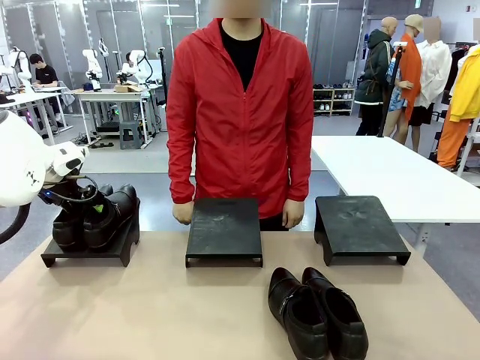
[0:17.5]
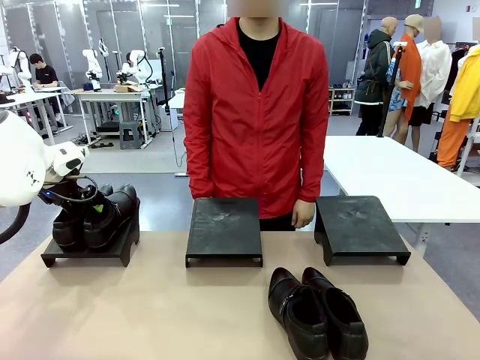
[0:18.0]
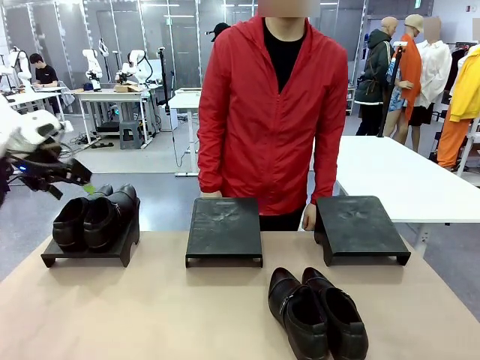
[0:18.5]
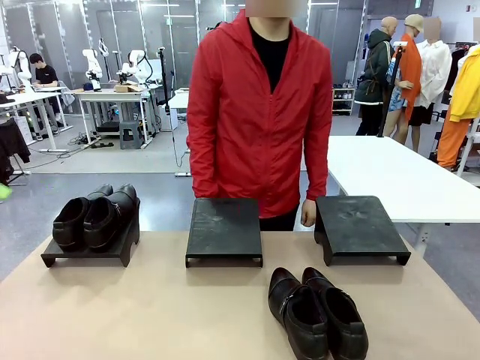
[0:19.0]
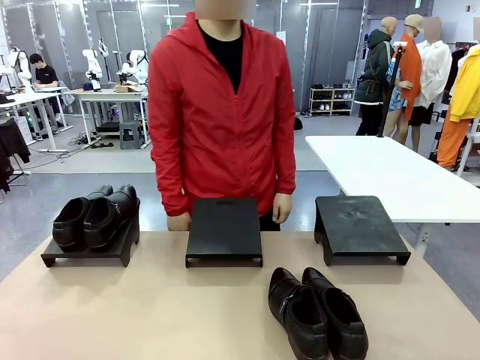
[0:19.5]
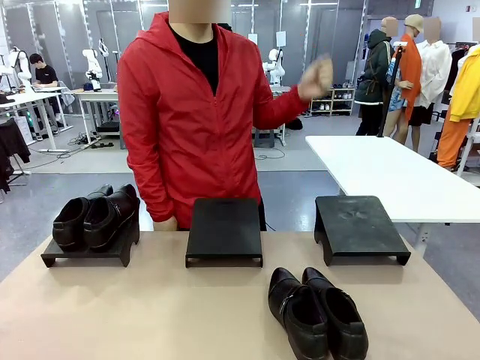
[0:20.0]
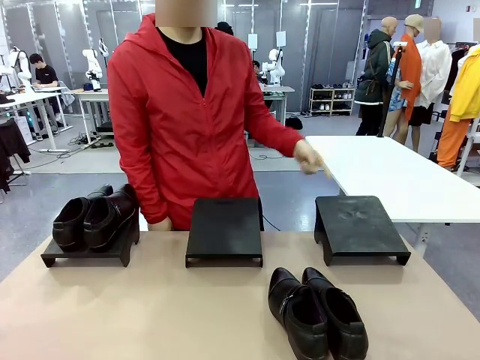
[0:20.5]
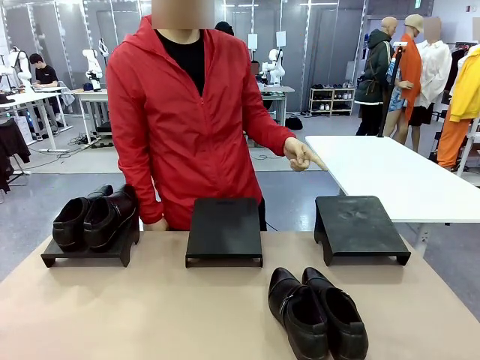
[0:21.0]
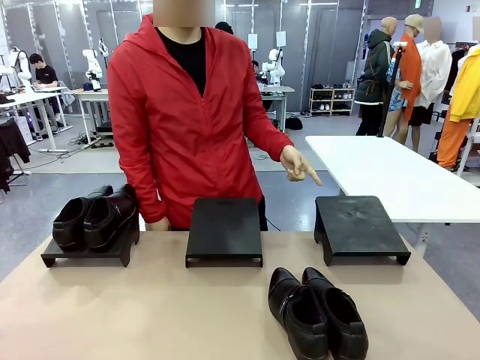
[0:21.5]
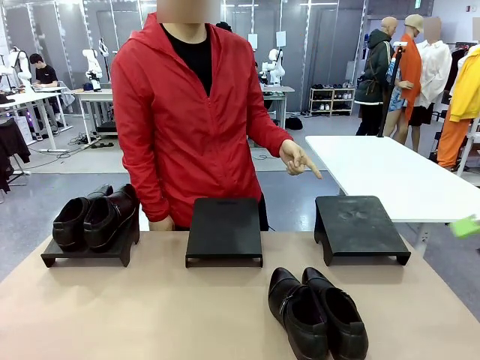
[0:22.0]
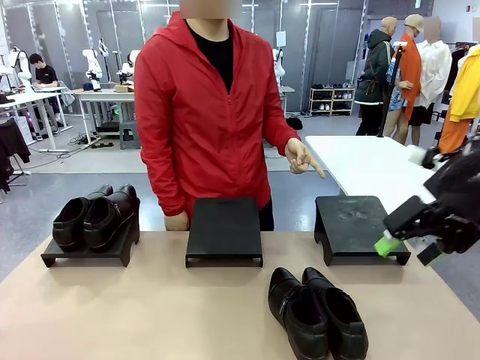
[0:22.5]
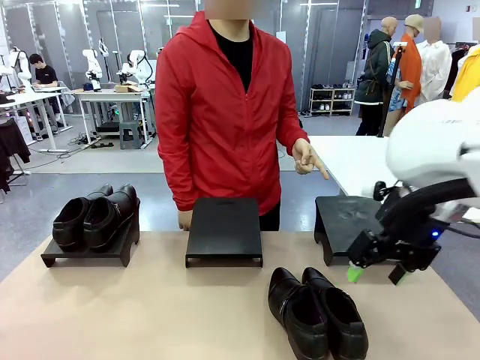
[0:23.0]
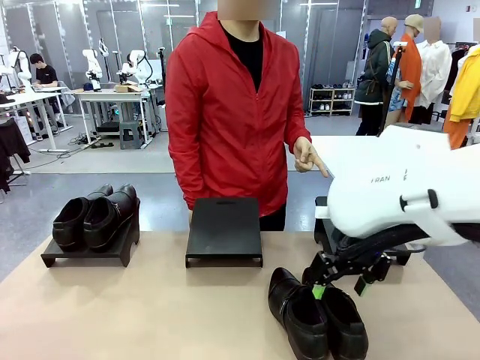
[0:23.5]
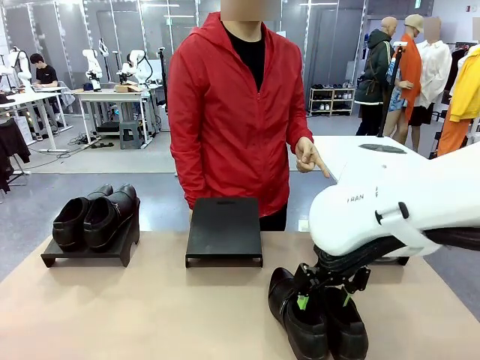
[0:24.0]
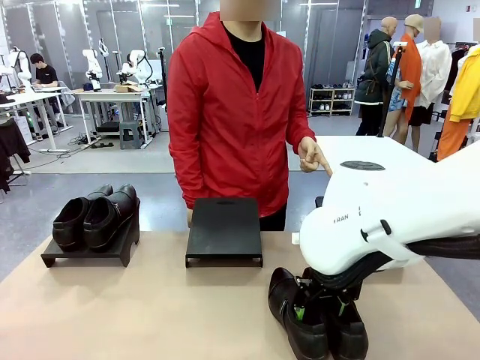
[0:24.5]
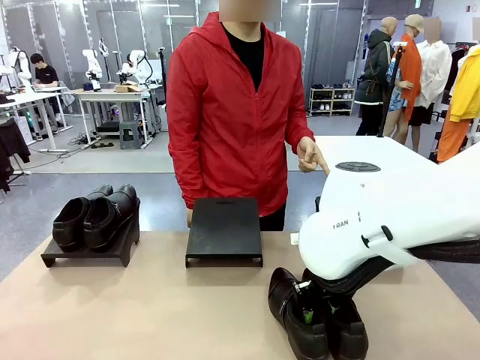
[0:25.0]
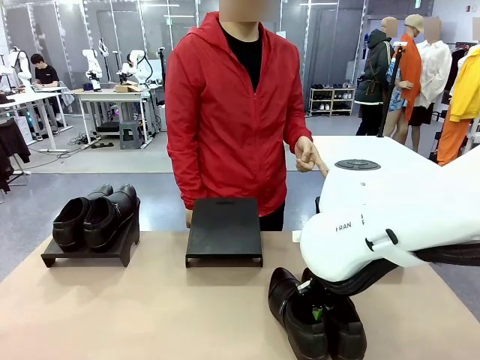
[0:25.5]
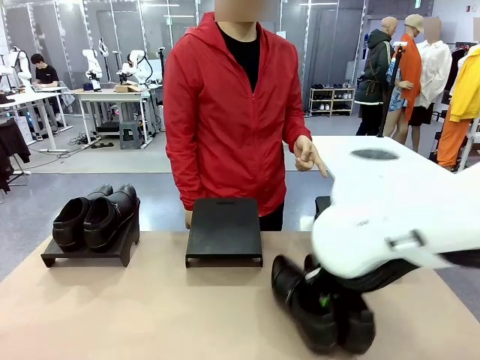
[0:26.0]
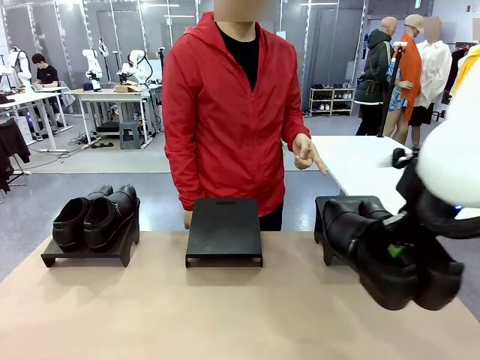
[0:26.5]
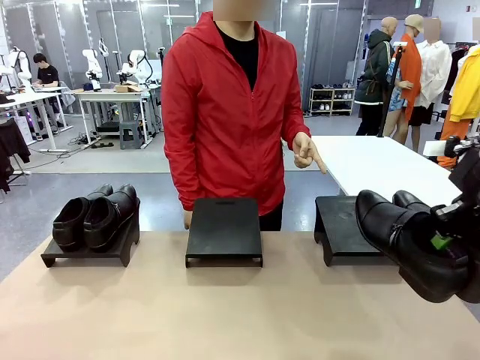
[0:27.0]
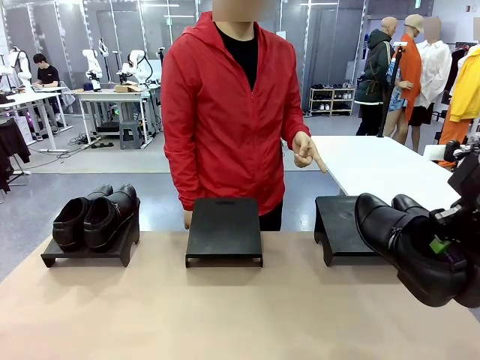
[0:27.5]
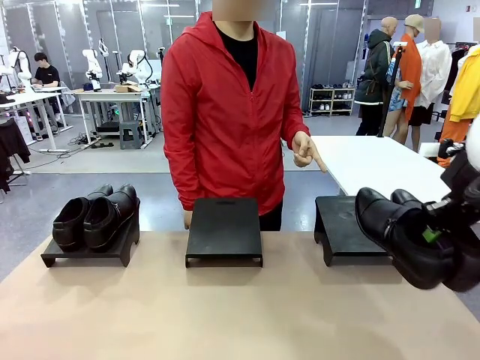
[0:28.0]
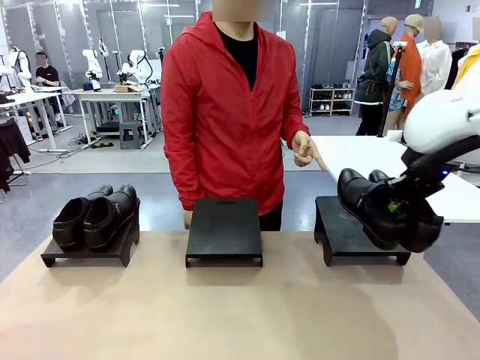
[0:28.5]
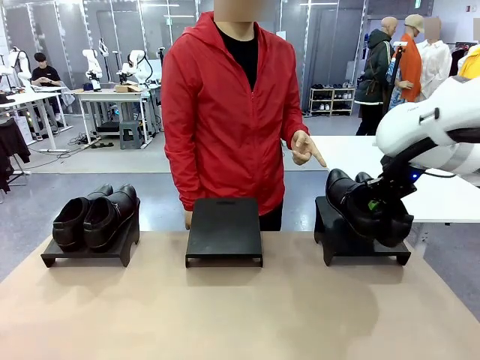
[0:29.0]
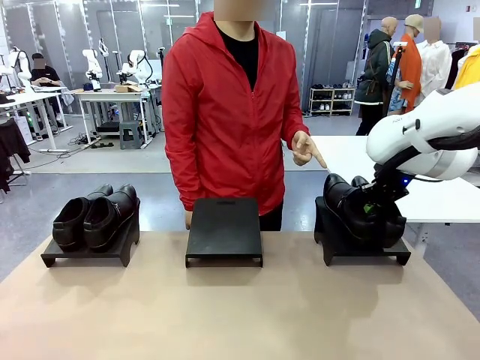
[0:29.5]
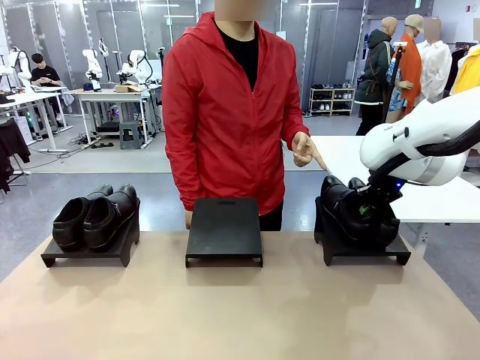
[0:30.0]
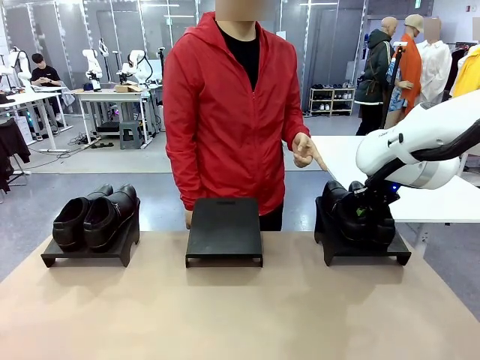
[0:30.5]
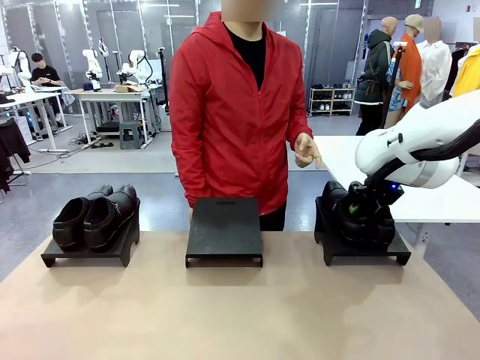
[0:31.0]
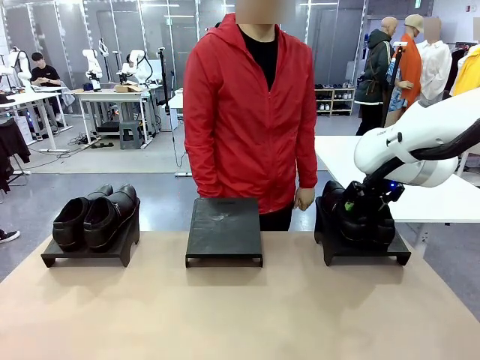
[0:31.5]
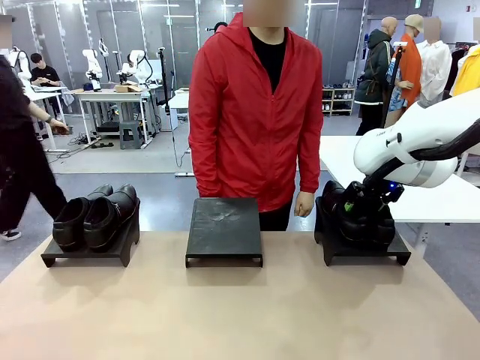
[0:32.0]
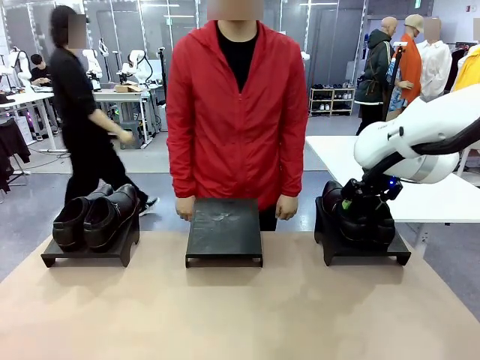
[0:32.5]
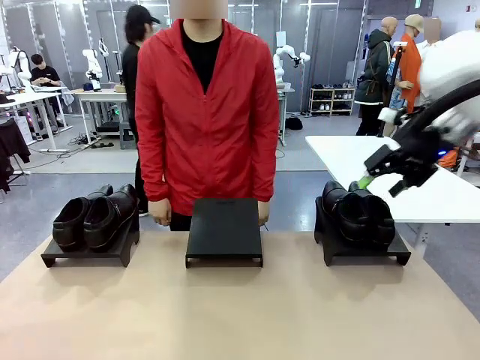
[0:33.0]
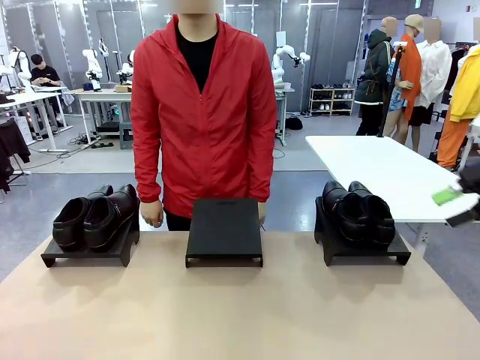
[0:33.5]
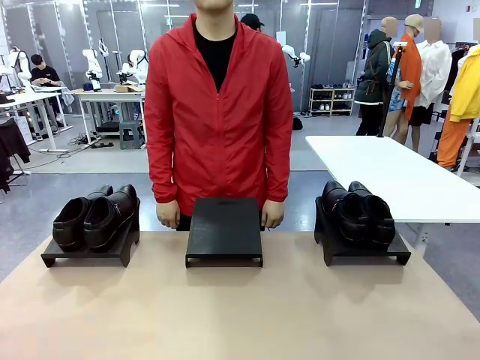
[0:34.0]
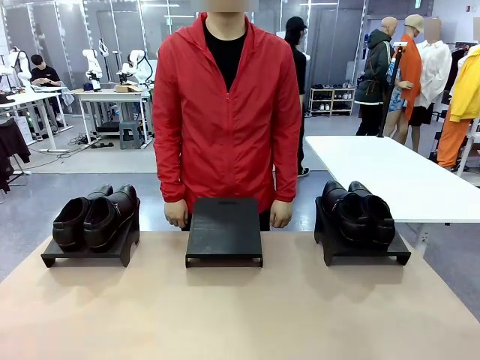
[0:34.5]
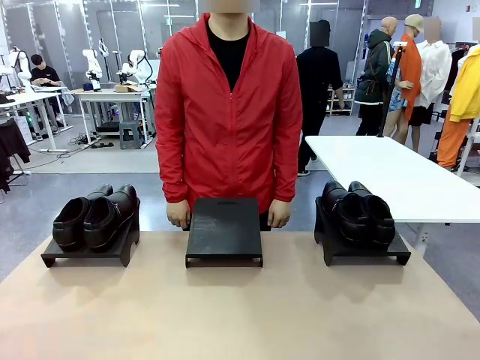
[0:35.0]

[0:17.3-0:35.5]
Task: Place the shoes on the stand as instructed by the person.
Robot: Pick up another pair of Shoes and place it on the Shoes Stand indicated by the person.
Person: Point to one Shoes Stand.

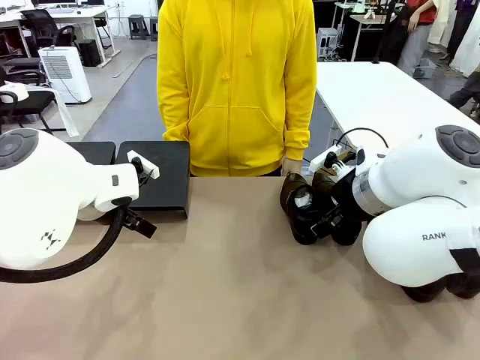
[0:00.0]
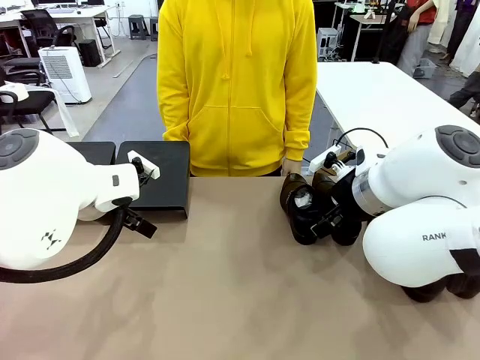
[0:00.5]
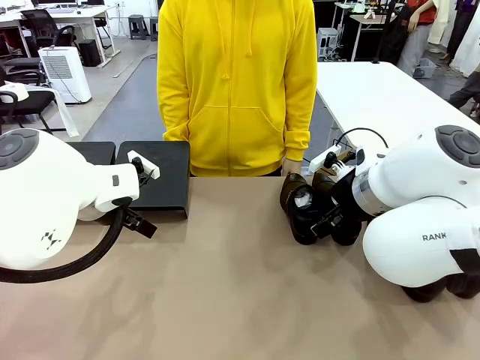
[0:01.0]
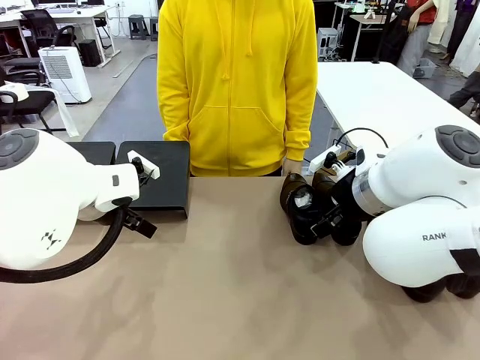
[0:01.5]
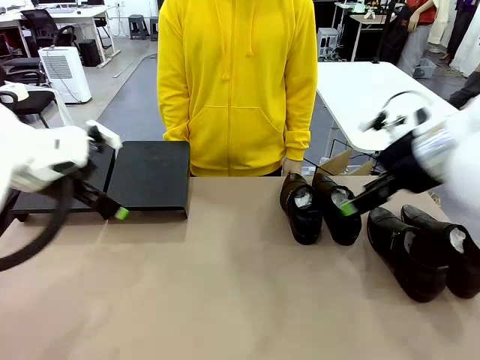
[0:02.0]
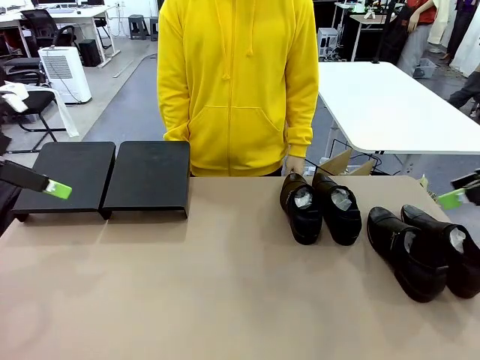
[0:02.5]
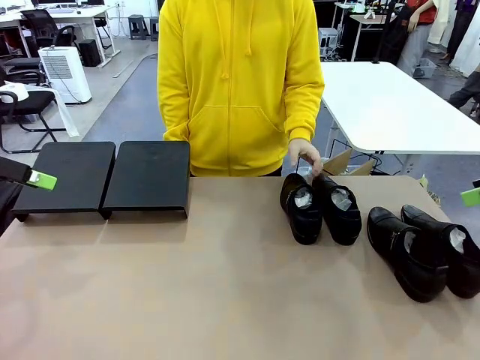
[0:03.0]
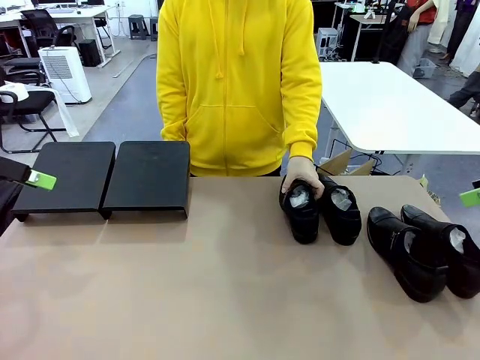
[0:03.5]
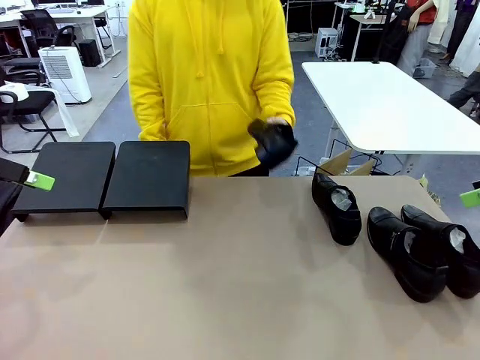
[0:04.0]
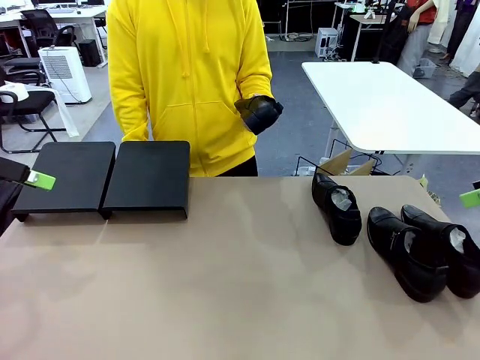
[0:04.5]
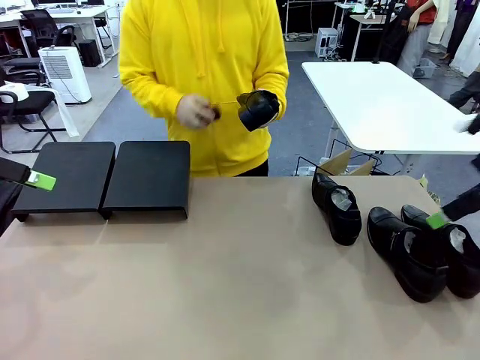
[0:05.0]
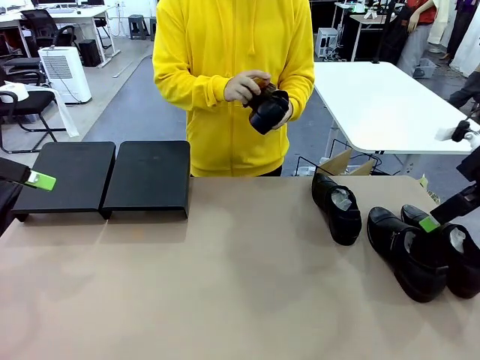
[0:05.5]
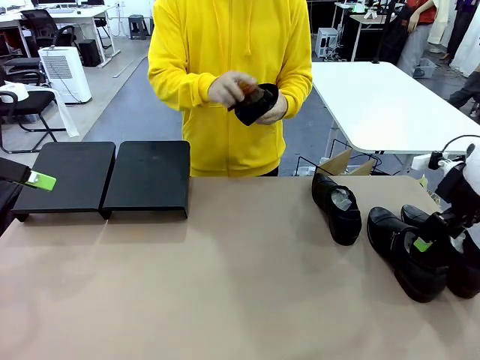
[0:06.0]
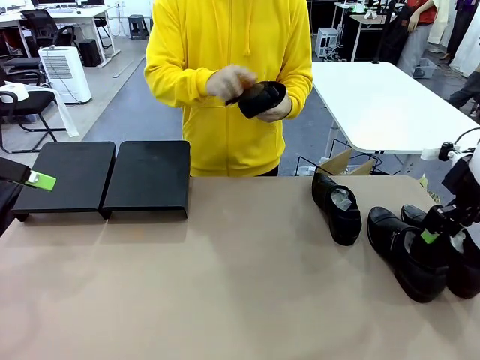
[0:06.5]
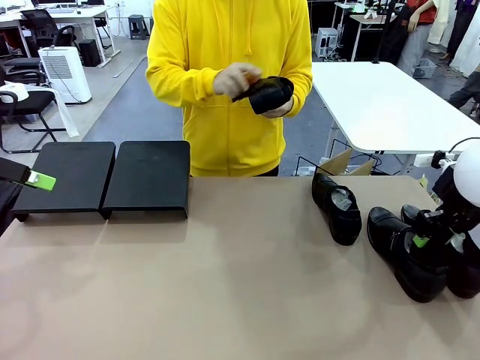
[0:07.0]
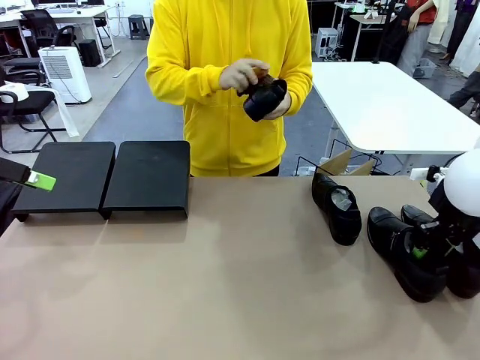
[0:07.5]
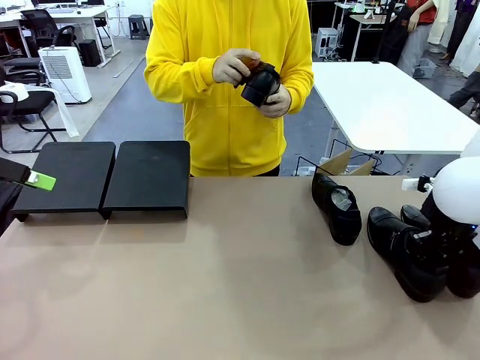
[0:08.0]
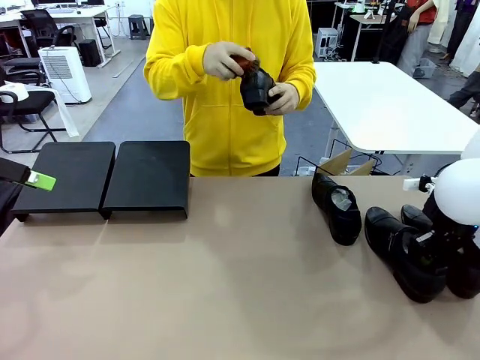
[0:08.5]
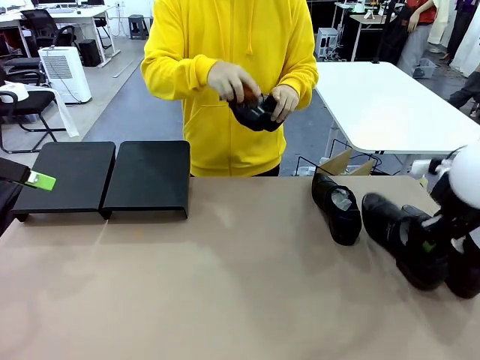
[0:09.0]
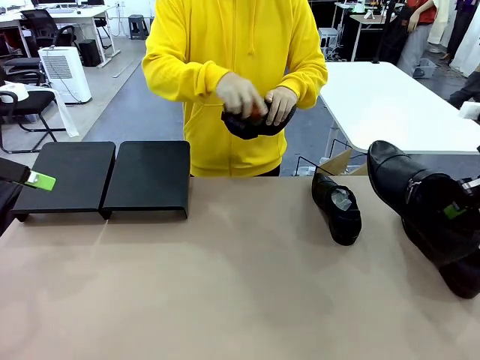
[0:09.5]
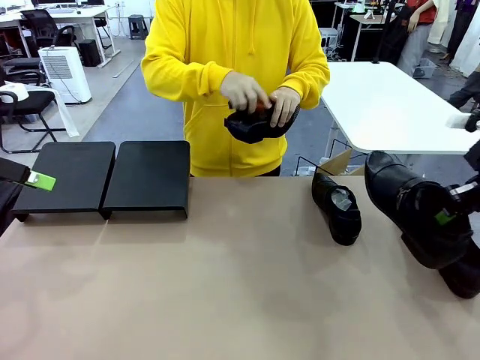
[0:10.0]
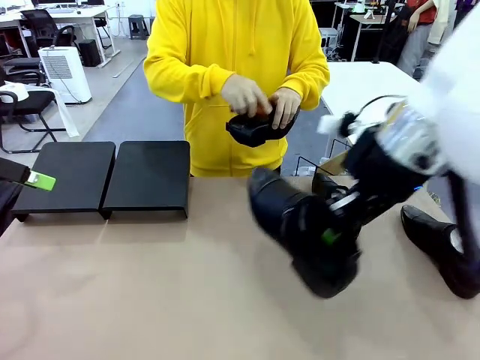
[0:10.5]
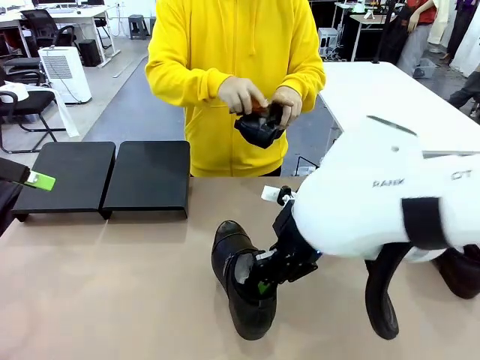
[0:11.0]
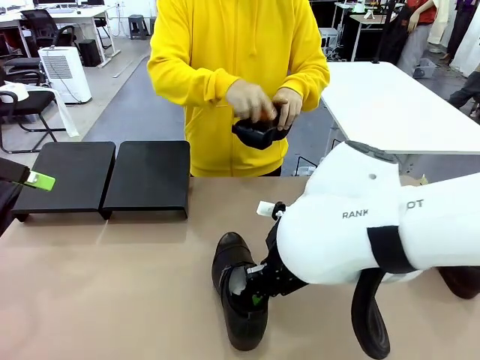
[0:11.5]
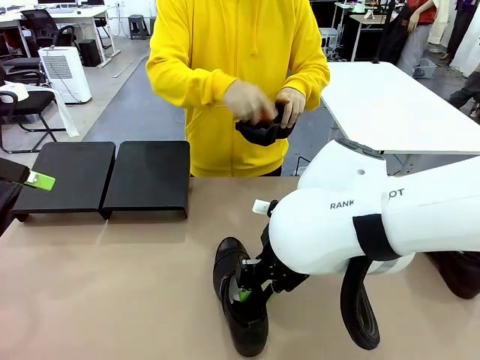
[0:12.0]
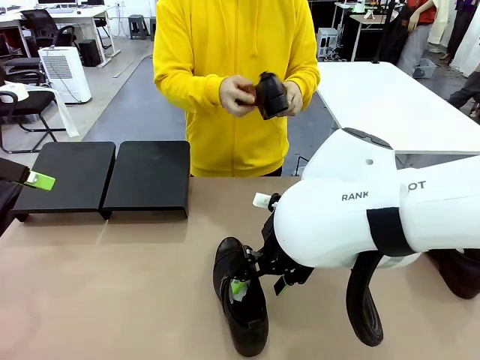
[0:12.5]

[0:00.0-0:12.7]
Task: Organize the shoes by placing them on the stand.
Robot: Pick up one Shoe and place it in the middle of the table.
Person: Pick one Shoe on Robot's table.
